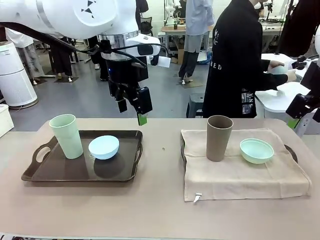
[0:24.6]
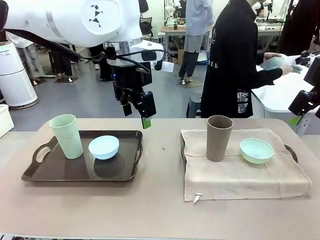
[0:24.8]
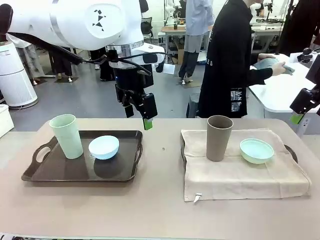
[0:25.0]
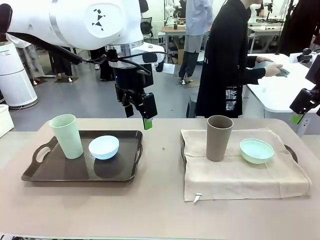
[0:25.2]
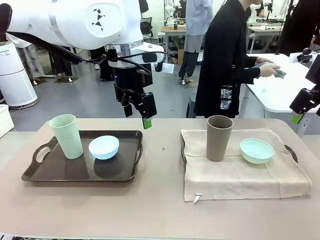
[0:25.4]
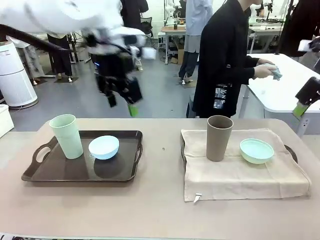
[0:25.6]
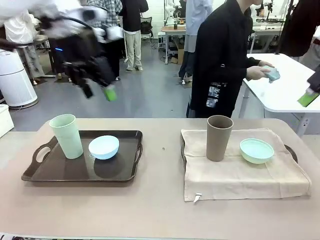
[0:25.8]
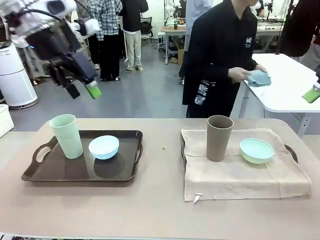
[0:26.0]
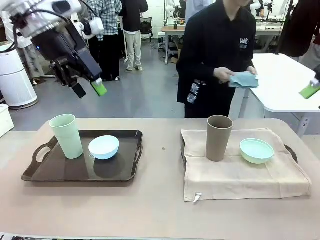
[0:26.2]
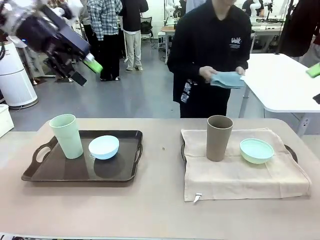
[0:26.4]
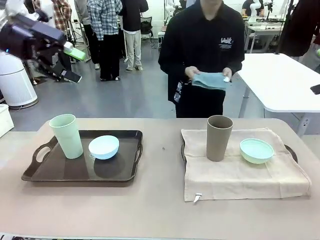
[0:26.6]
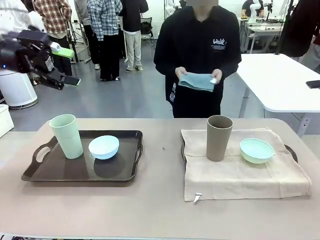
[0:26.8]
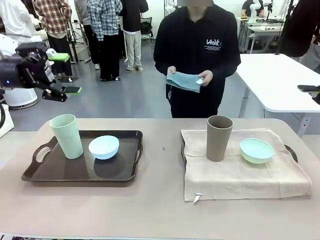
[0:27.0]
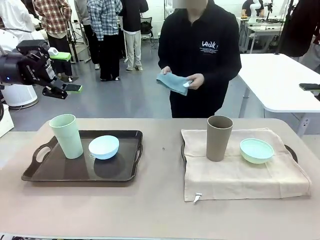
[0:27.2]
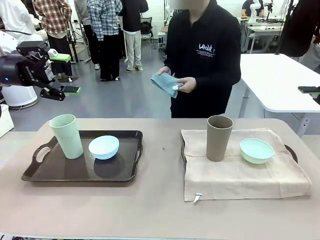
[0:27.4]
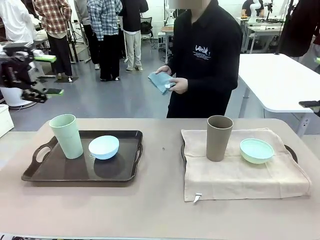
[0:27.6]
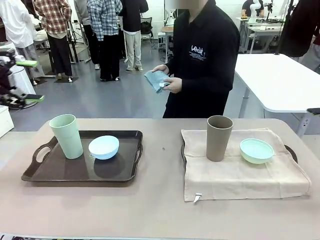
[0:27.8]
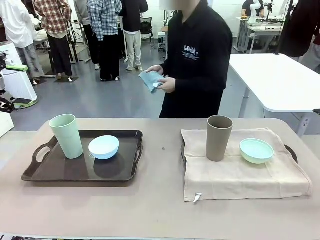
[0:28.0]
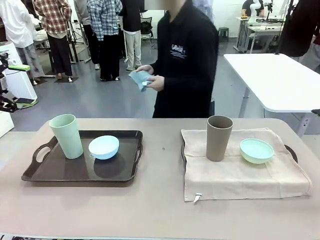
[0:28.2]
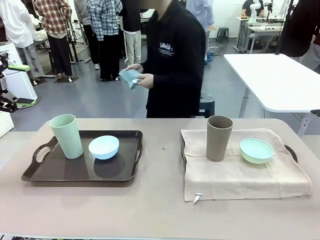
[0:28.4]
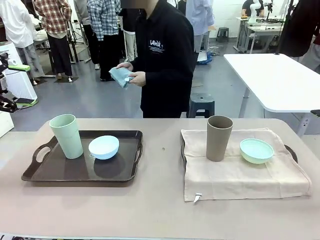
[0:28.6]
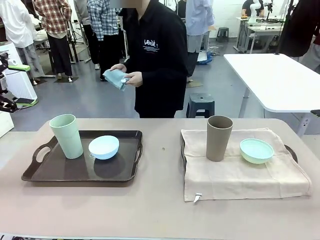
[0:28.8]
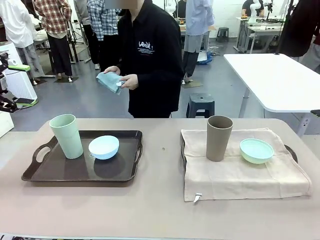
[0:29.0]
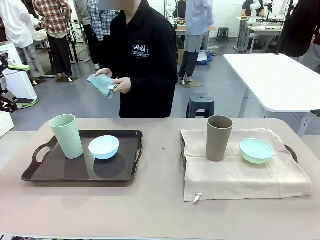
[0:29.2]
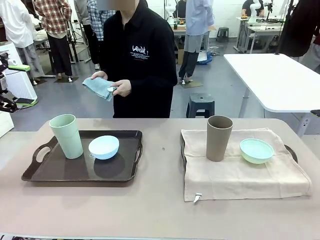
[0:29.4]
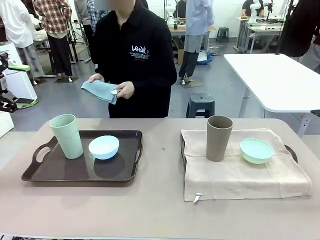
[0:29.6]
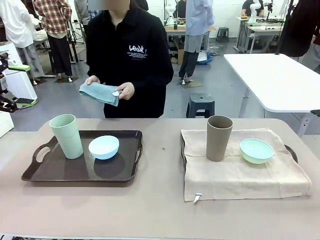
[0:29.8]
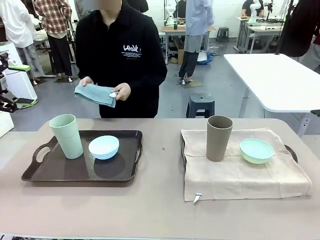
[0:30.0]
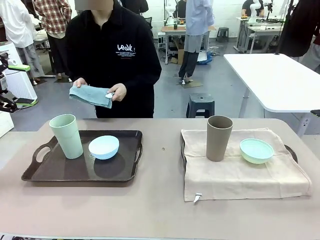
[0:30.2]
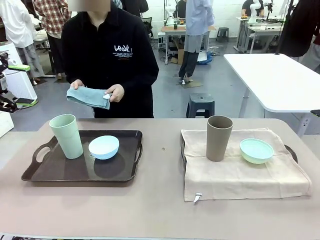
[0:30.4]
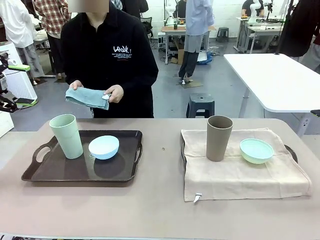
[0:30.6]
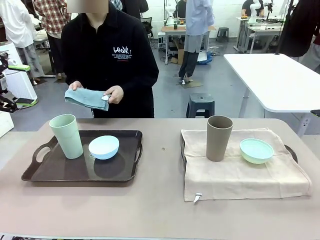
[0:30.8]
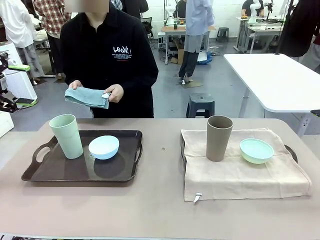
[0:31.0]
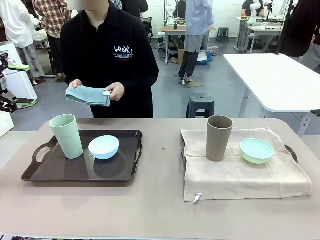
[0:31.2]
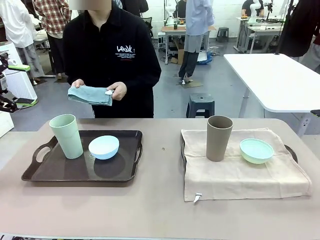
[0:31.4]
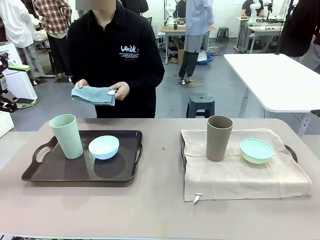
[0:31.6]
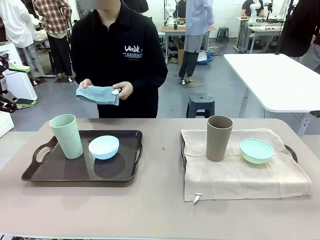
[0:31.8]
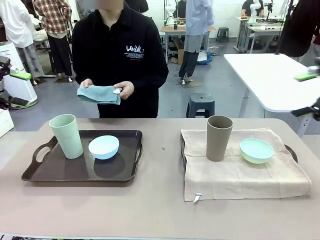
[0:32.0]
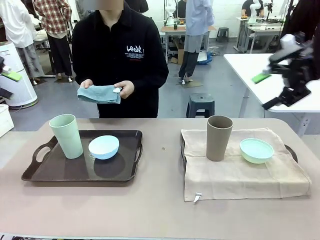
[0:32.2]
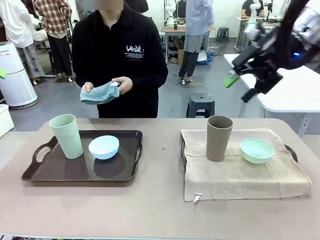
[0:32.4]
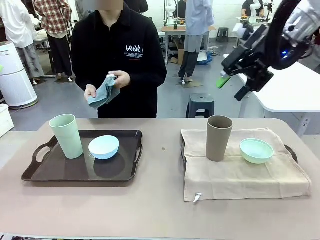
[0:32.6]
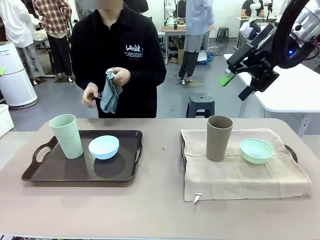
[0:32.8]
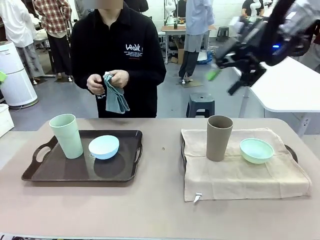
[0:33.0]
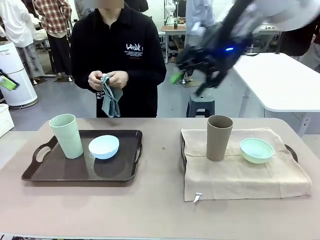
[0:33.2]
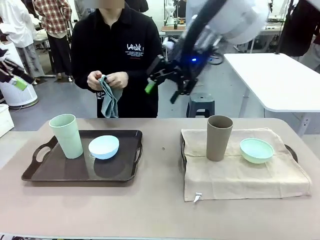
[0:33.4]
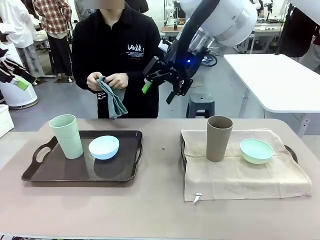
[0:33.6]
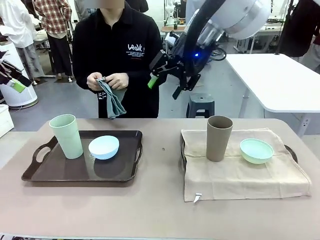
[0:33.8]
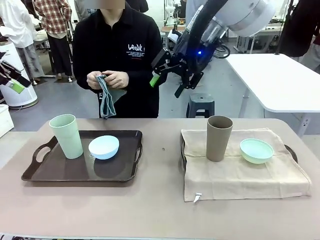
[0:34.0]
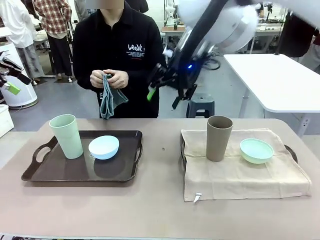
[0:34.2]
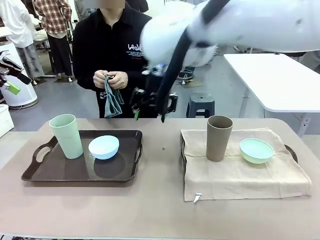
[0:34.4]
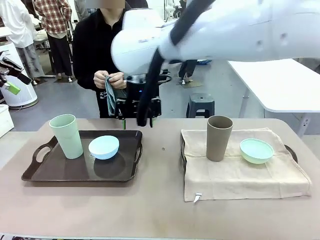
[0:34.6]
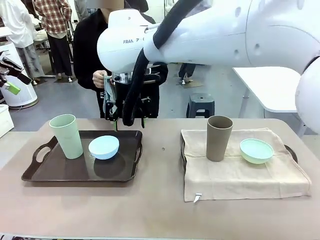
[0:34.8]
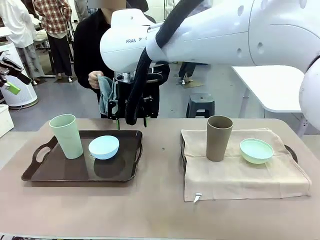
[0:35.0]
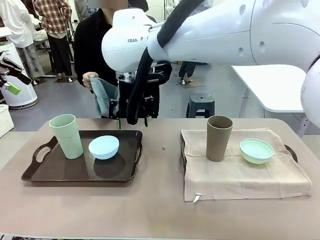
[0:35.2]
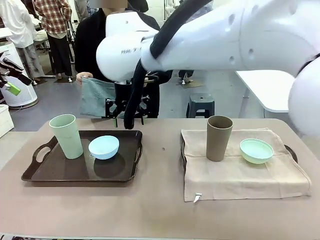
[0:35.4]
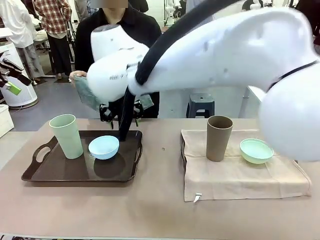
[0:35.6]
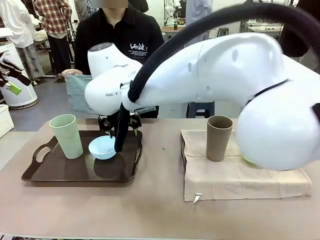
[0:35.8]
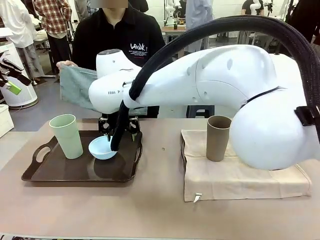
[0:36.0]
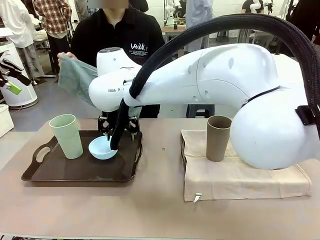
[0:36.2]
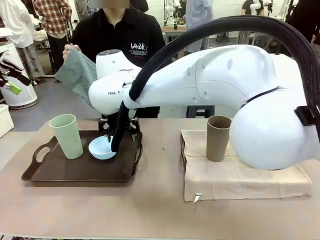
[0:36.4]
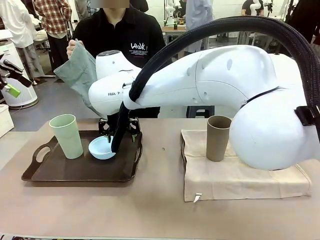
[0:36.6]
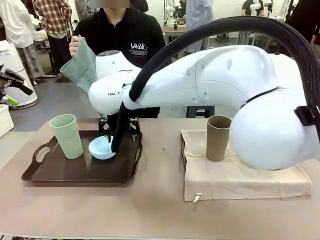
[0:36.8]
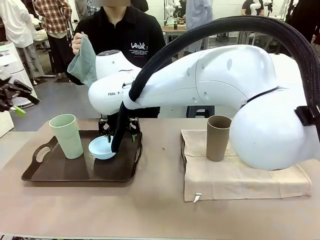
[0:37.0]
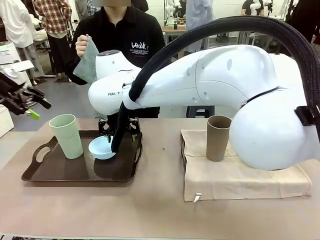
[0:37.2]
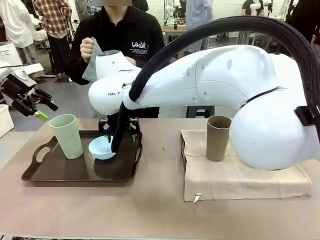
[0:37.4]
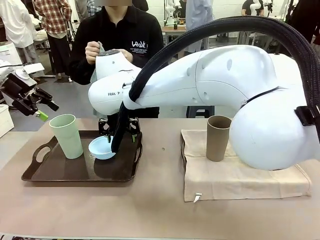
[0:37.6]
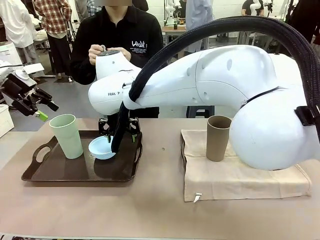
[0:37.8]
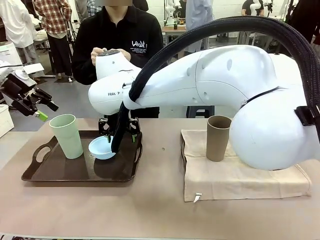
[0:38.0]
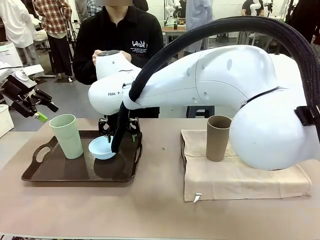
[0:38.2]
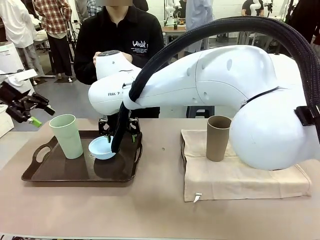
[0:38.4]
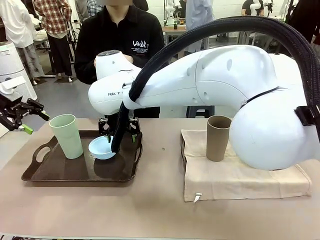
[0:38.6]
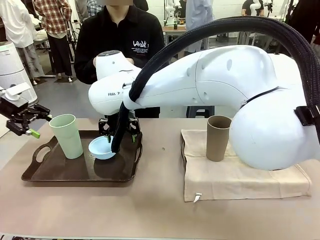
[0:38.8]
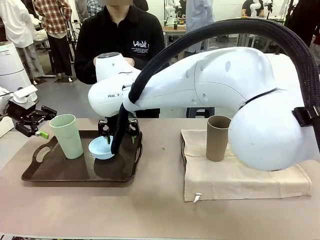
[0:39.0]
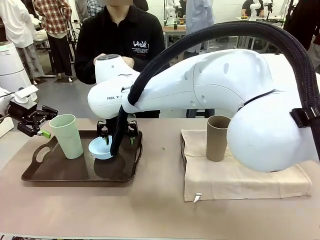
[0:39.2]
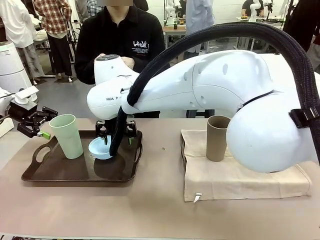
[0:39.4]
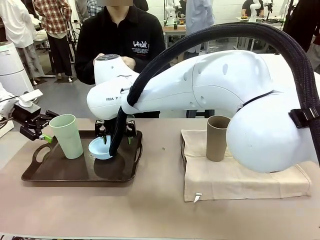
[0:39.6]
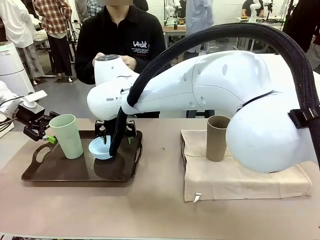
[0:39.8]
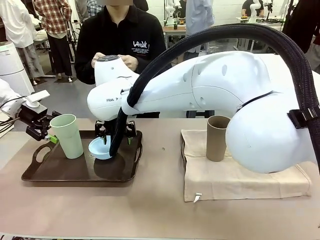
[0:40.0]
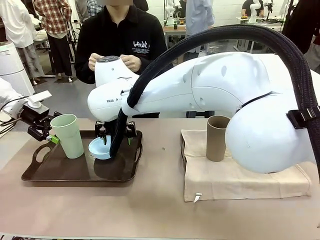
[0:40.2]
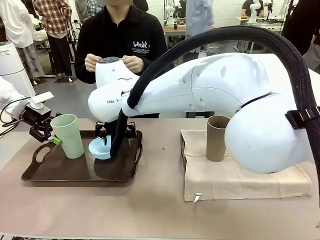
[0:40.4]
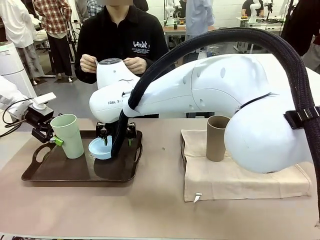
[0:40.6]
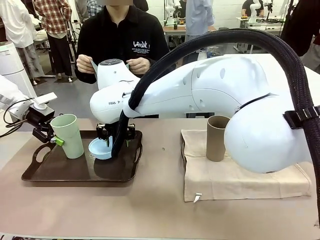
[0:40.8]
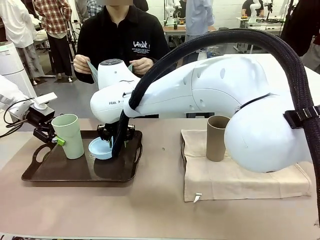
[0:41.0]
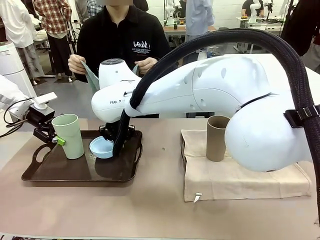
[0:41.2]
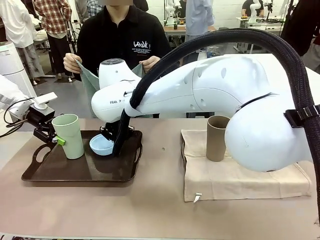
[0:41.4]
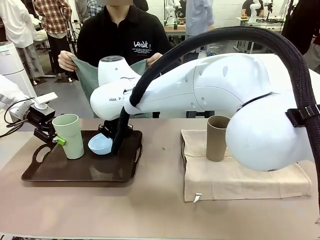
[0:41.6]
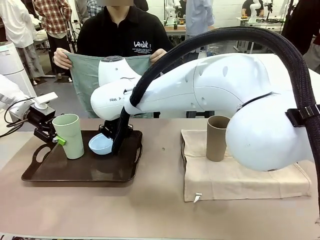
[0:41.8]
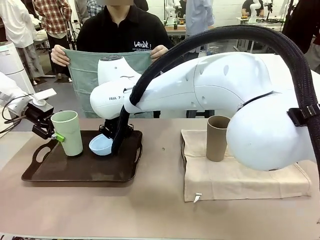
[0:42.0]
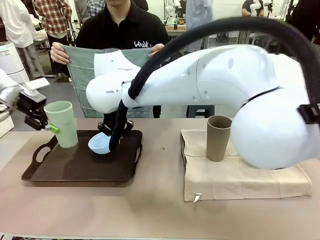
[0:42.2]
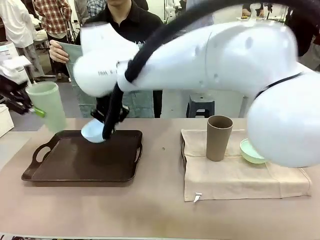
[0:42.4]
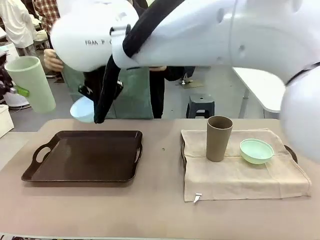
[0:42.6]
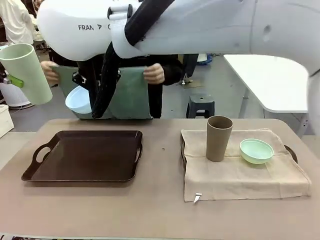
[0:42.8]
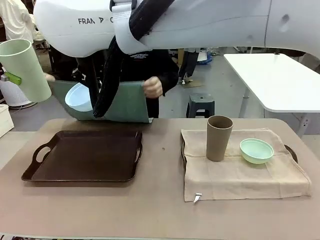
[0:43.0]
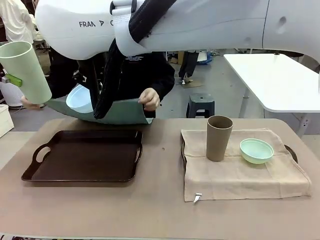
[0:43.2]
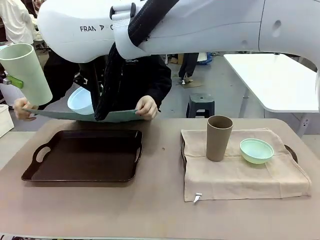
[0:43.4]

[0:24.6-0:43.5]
Robot: Pick up the Picnic Bowl and Reusable plastic cup from the Handle tray in front of the human's position and hold them in the air.
Person: The human returns to the human table to pick up another napkin and walks to the robot table to stand in front of the tray without a napkin.
